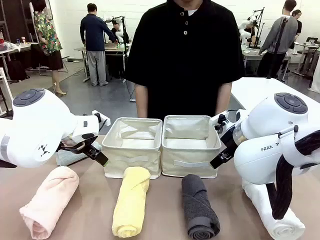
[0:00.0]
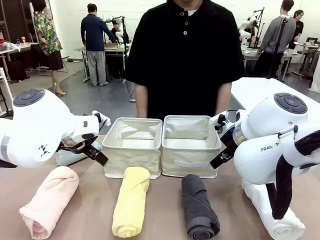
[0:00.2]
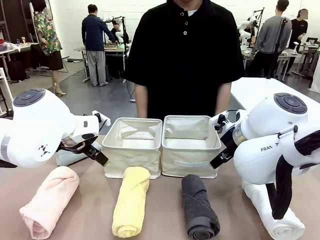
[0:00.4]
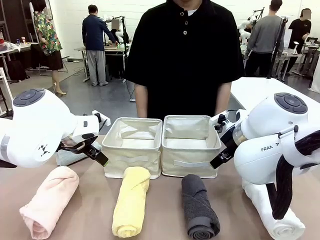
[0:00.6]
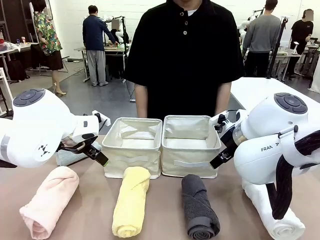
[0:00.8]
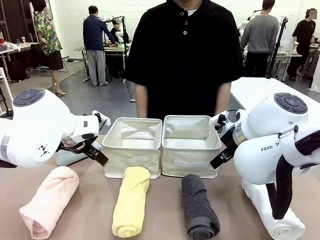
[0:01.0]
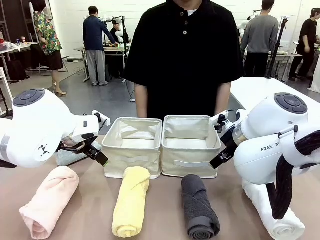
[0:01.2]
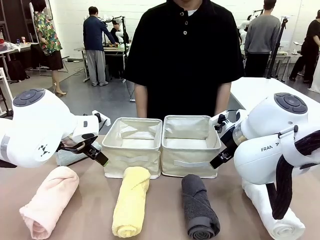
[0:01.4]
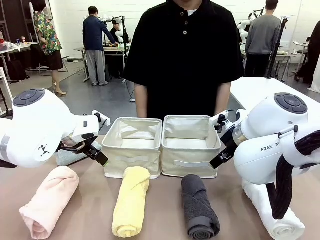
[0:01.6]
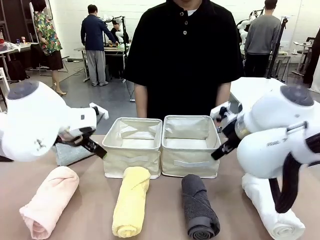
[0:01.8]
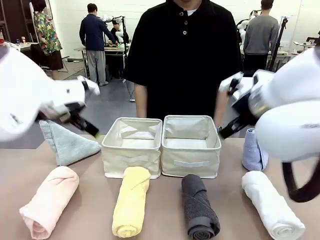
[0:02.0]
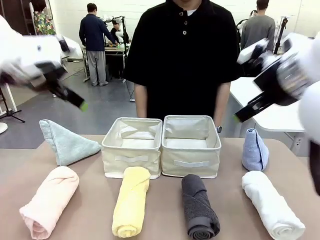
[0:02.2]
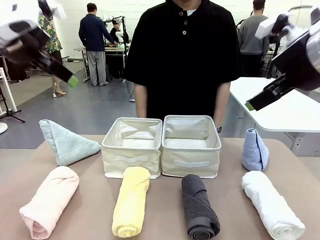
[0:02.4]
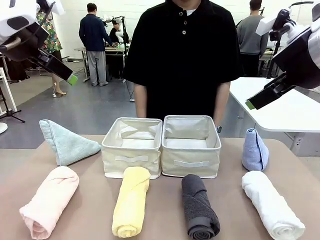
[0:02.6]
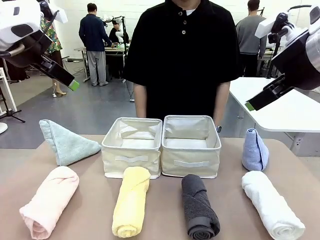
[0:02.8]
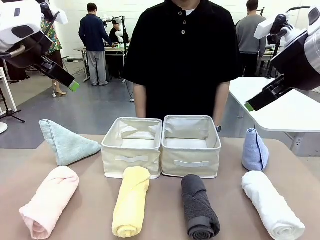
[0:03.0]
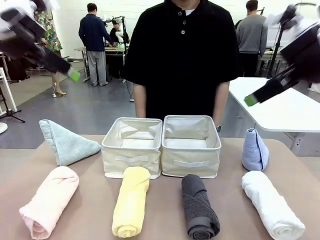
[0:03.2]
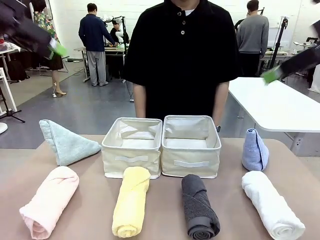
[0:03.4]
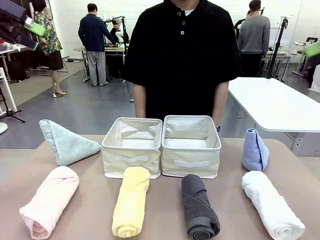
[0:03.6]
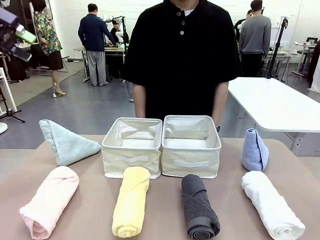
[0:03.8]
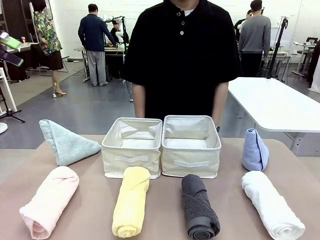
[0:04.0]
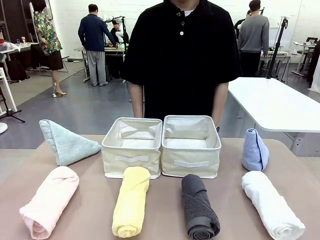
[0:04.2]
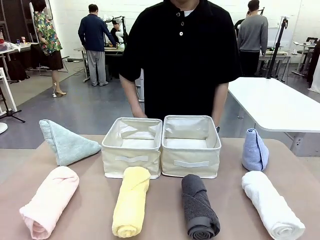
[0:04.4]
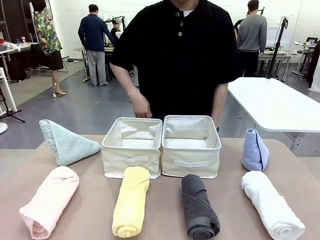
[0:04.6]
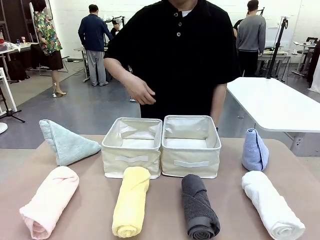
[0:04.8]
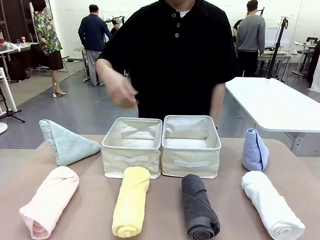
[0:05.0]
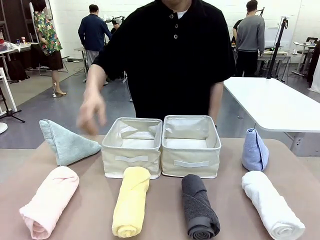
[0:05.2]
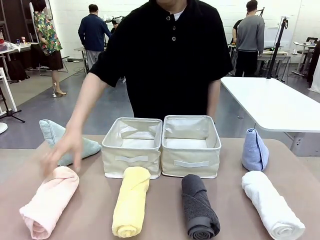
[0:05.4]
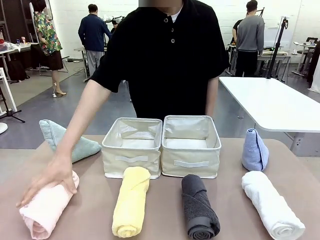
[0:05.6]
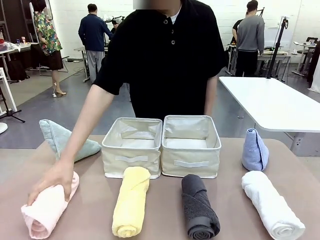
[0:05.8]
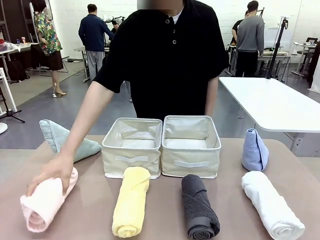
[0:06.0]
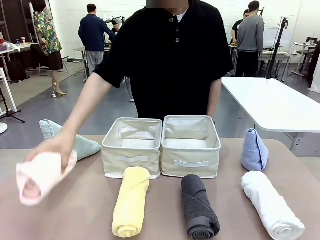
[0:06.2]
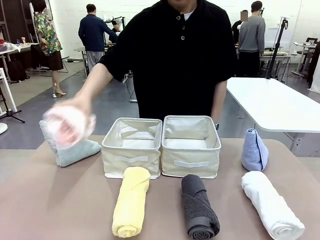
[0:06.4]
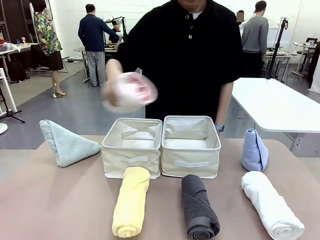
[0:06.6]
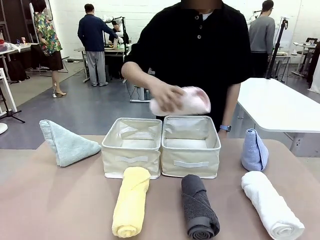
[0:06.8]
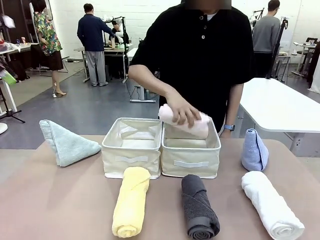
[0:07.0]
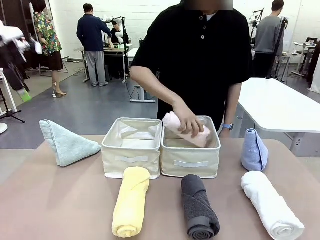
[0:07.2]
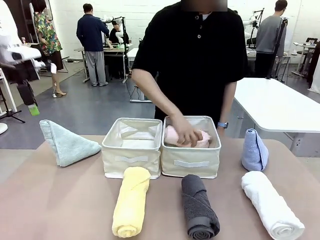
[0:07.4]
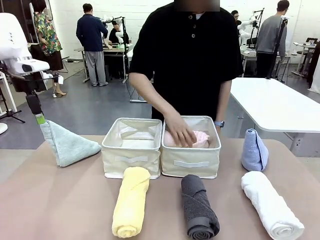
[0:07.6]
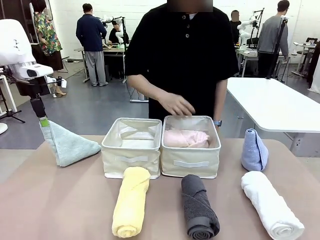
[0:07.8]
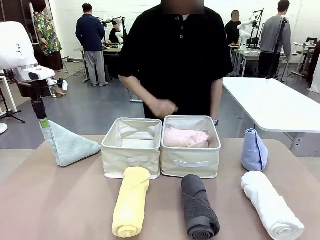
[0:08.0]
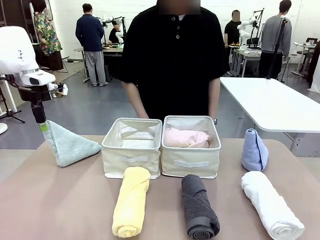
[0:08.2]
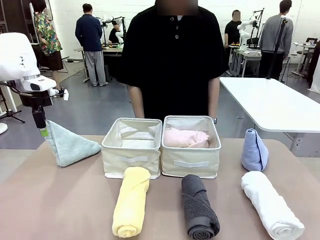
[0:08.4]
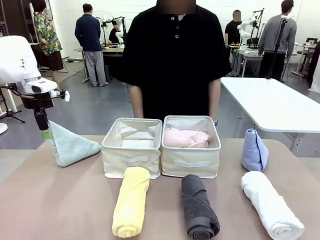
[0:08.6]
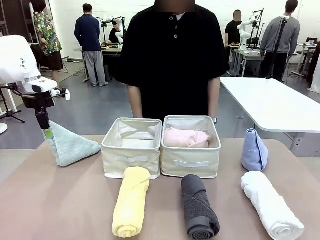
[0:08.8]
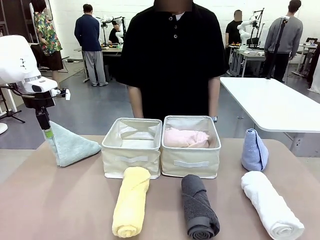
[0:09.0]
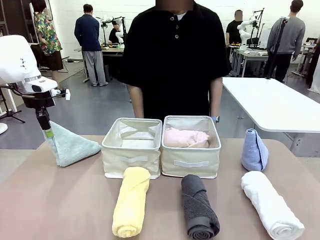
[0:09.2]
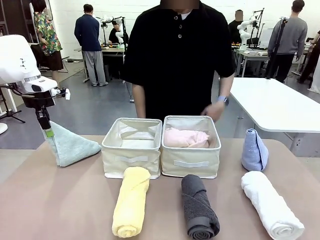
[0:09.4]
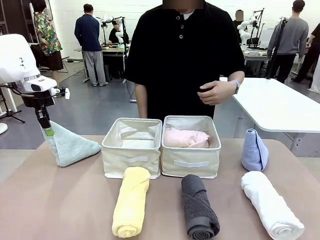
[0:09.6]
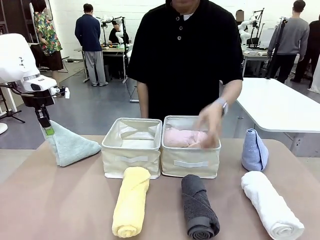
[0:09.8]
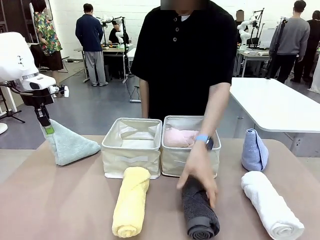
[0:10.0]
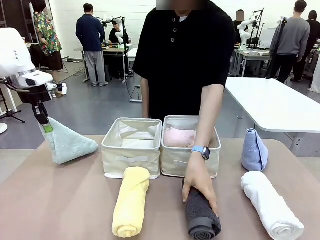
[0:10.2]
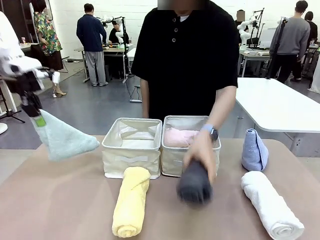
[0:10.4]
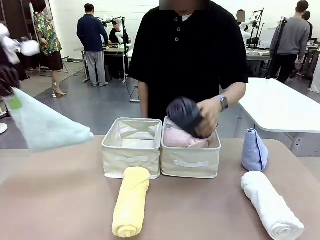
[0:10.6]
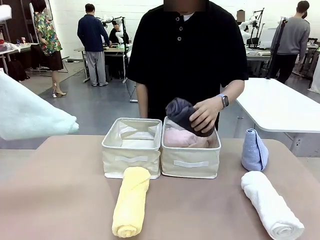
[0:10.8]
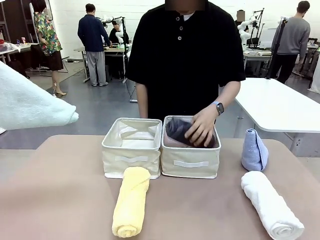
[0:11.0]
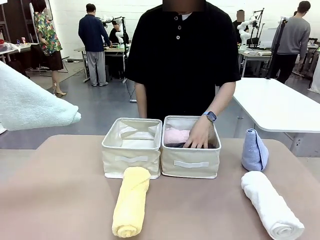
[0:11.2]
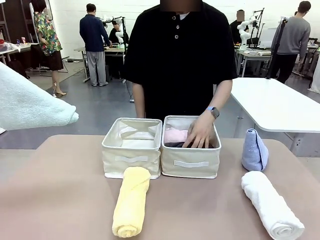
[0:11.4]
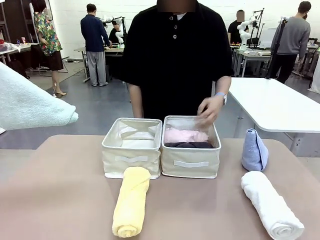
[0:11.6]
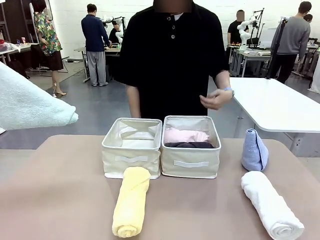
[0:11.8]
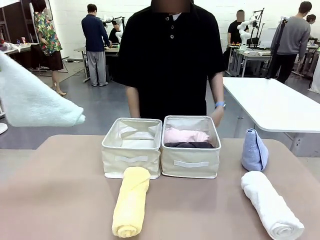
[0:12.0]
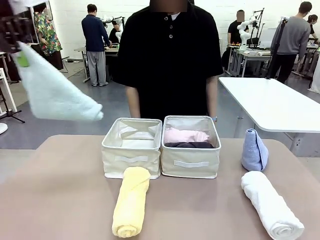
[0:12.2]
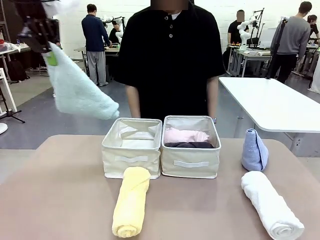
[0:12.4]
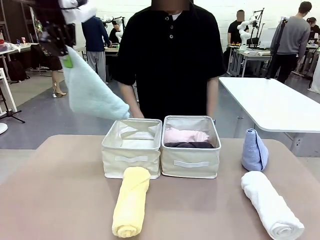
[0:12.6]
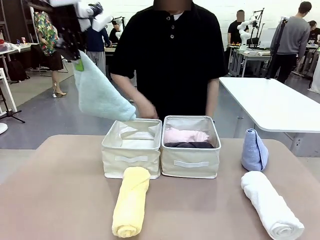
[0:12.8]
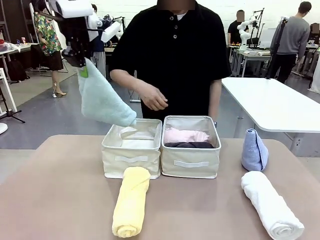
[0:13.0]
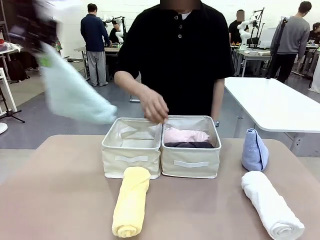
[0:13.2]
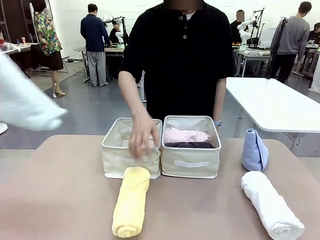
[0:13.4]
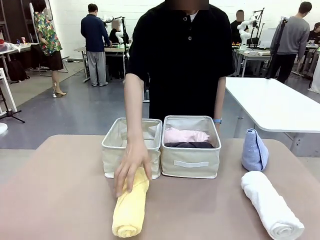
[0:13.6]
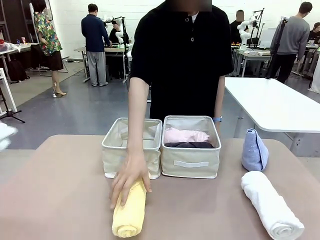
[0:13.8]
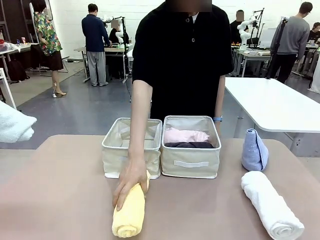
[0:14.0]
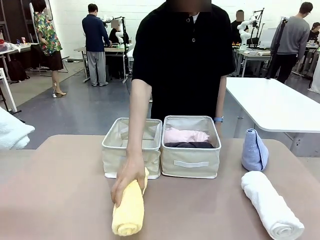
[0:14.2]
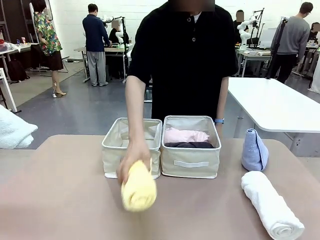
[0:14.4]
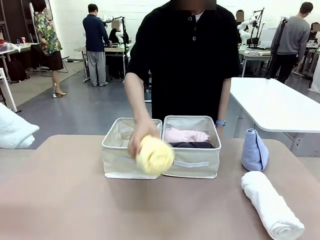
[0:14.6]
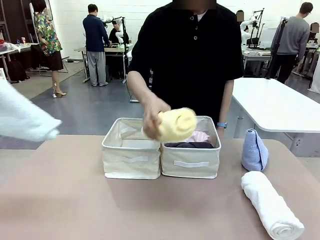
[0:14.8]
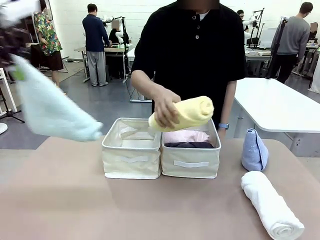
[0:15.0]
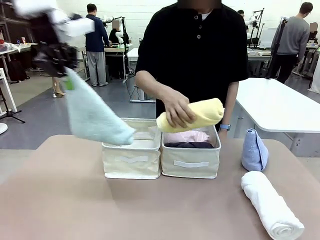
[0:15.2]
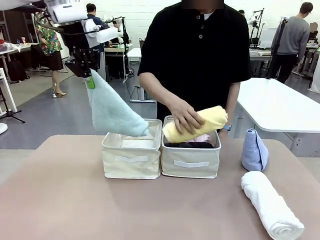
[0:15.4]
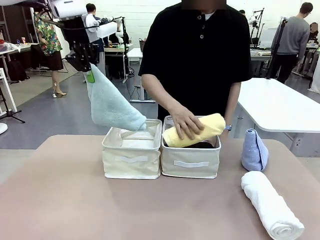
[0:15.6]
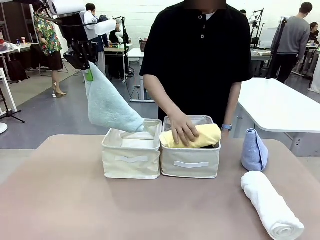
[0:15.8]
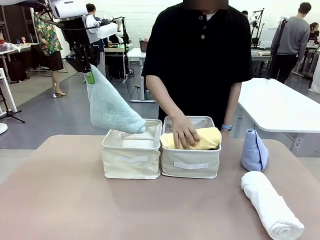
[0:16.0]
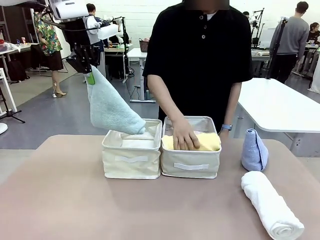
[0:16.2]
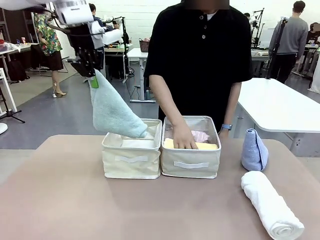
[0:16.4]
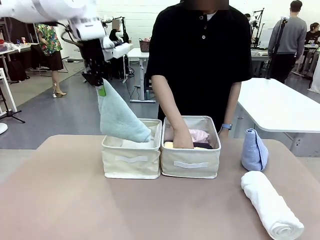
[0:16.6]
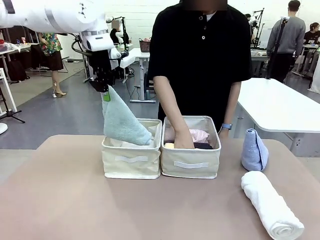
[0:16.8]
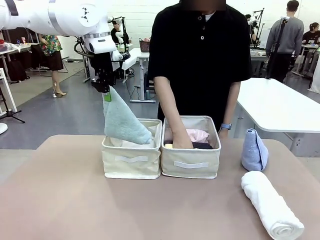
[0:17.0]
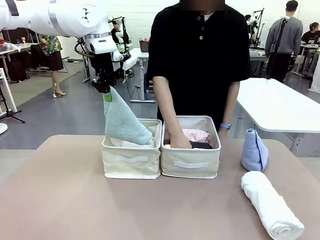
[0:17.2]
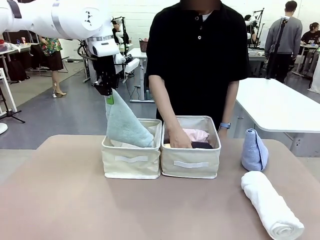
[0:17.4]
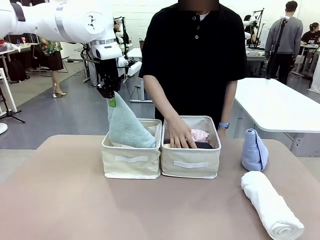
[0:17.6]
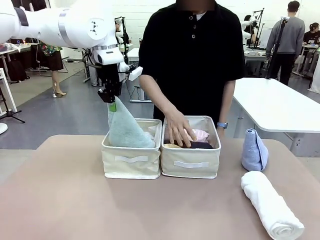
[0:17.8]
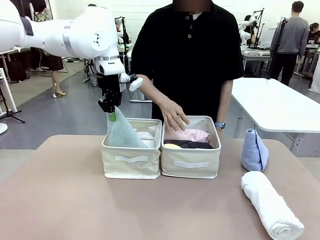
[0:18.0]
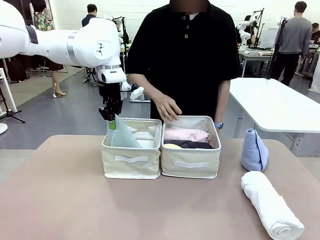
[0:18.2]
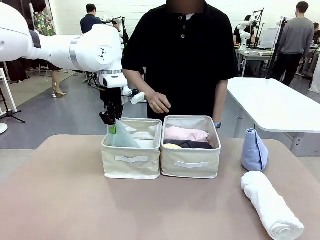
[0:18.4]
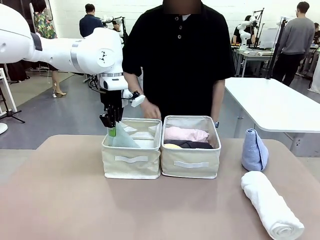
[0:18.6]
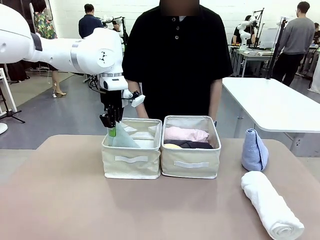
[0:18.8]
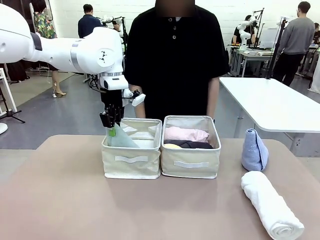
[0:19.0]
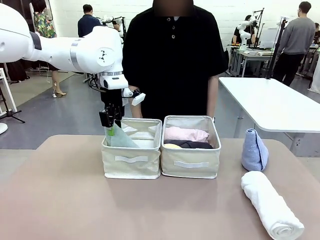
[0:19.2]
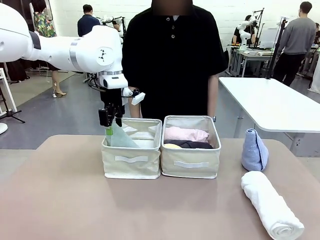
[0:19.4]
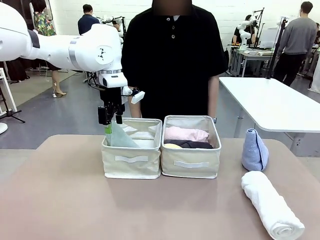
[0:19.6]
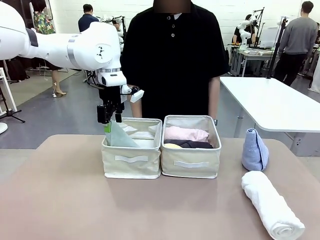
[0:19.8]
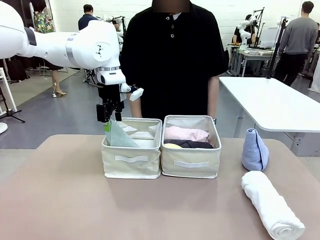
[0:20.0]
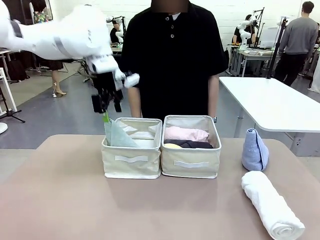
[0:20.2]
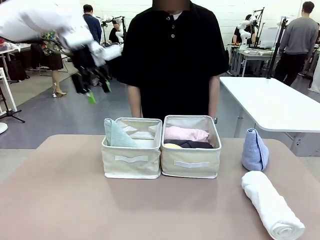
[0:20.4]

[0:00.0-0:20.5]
Task: Sort the towels based on their folding style.
Robot: Pick up one triangle-folded towel and place it in the left Fabric basket.
Person: Pick up one hotel-style rolled towel and place it in the left fabric basket.
